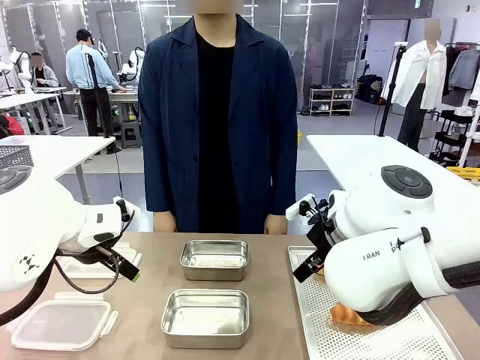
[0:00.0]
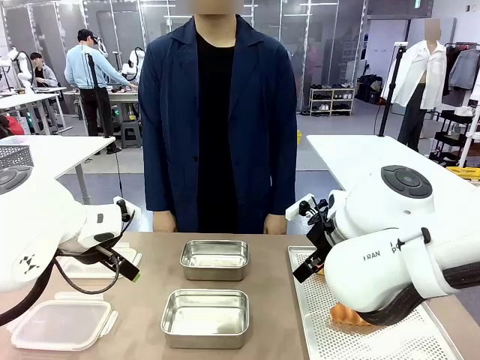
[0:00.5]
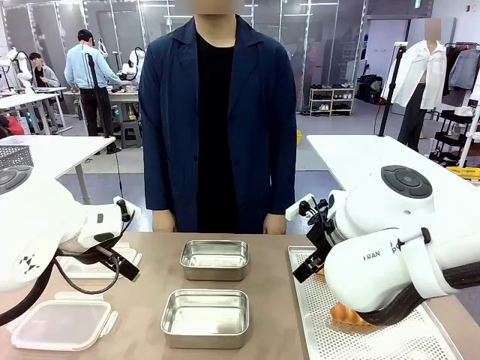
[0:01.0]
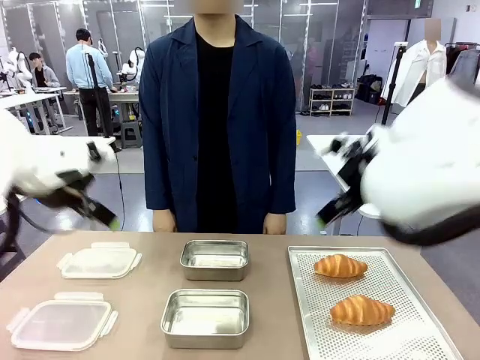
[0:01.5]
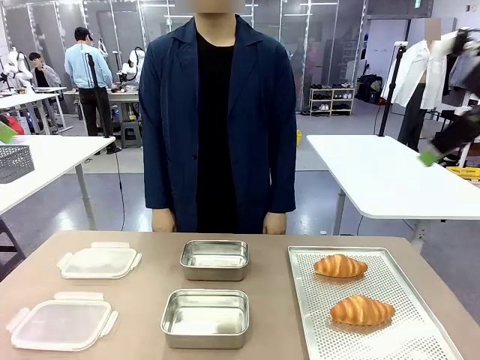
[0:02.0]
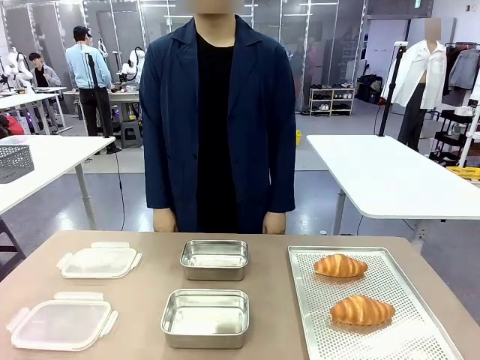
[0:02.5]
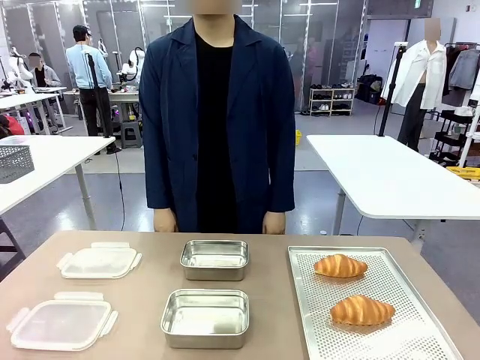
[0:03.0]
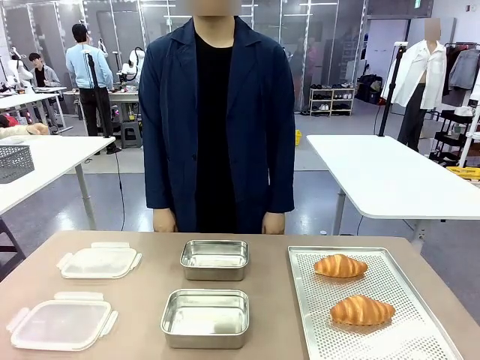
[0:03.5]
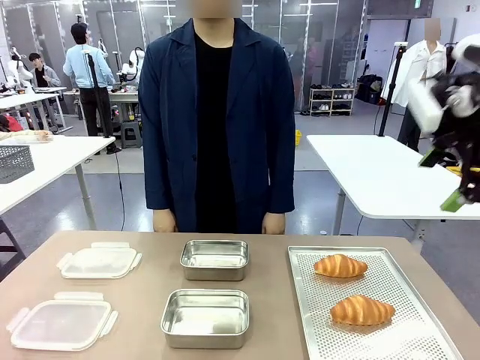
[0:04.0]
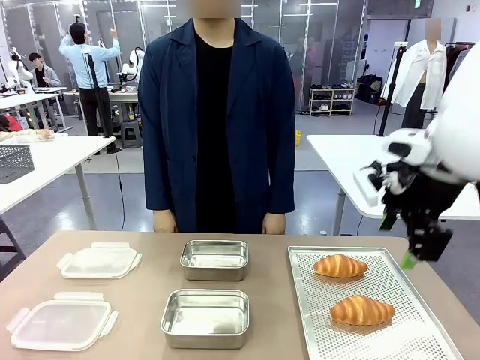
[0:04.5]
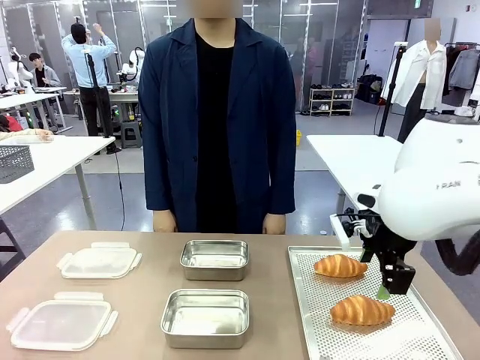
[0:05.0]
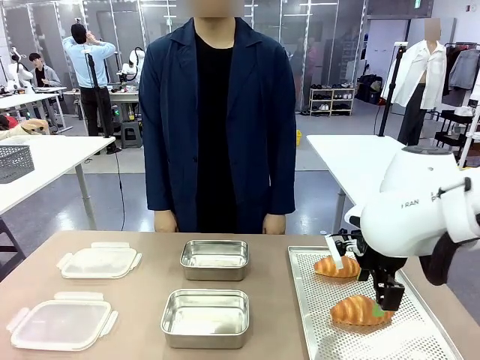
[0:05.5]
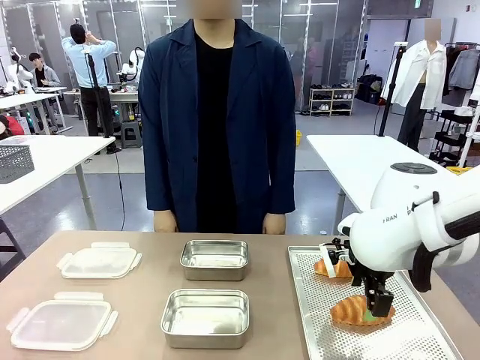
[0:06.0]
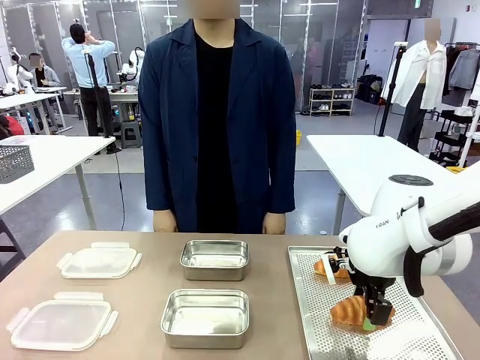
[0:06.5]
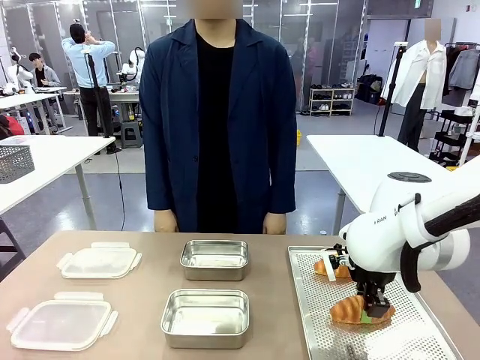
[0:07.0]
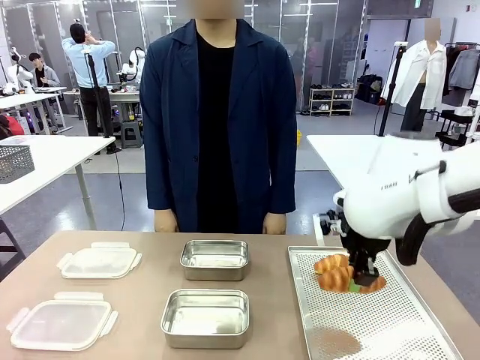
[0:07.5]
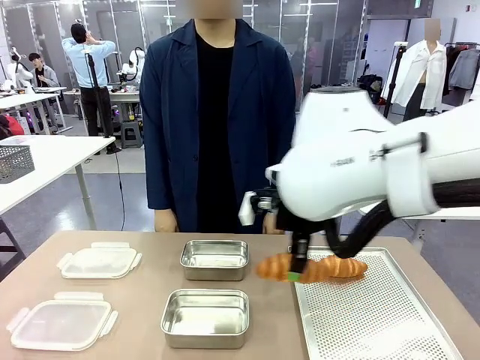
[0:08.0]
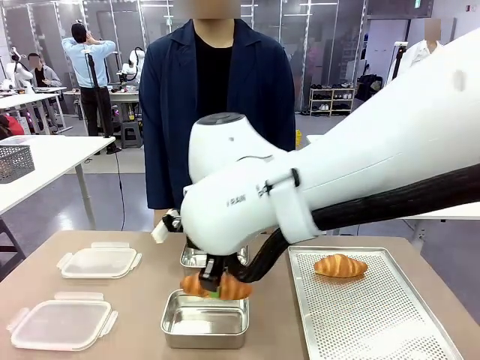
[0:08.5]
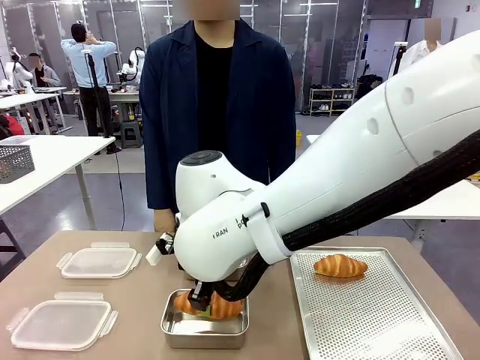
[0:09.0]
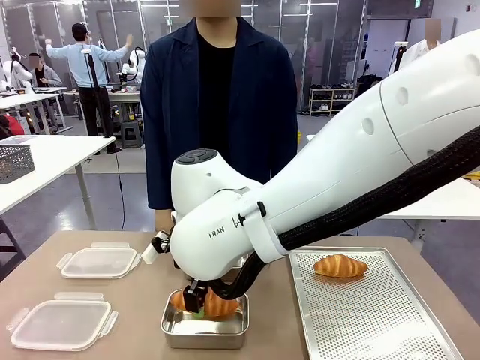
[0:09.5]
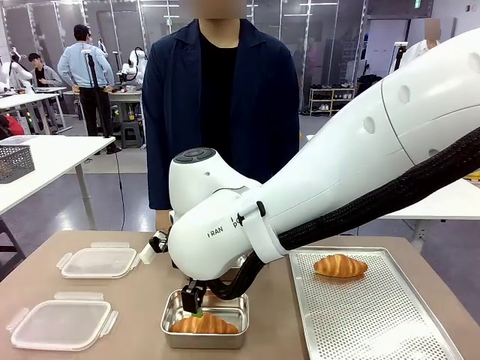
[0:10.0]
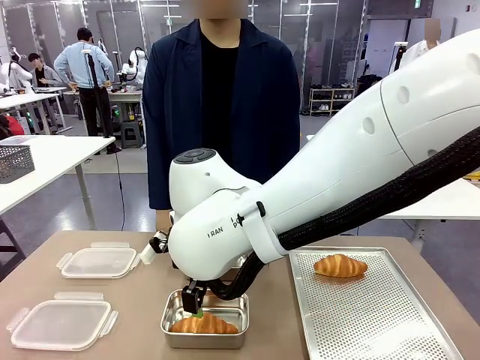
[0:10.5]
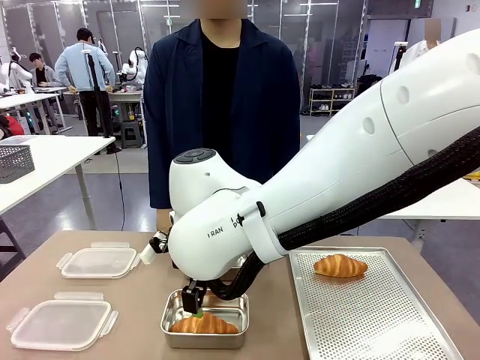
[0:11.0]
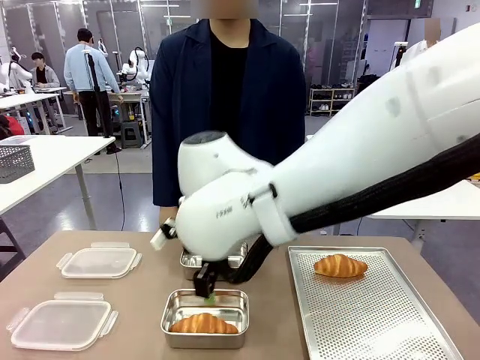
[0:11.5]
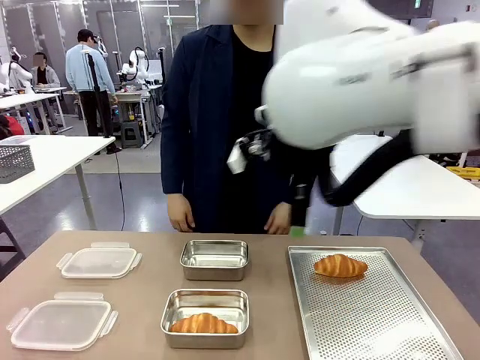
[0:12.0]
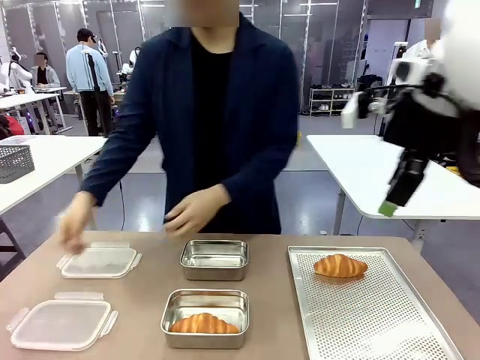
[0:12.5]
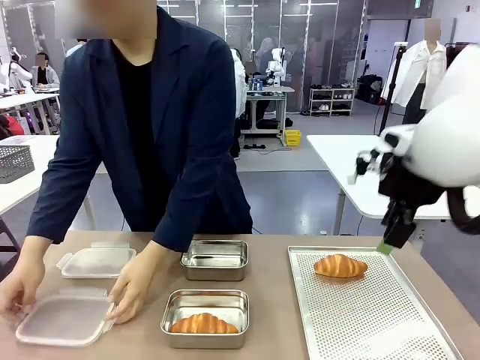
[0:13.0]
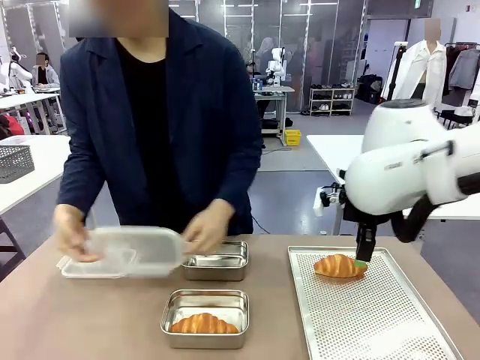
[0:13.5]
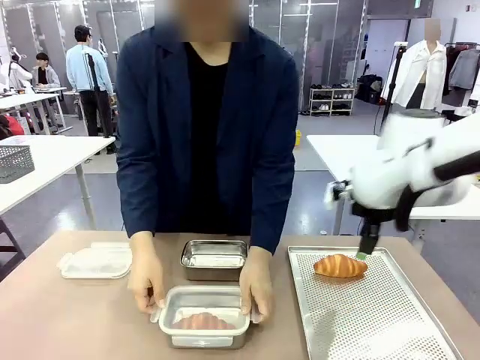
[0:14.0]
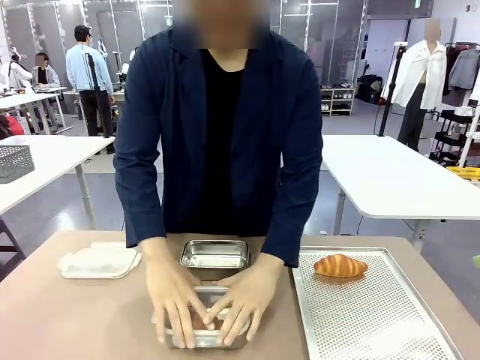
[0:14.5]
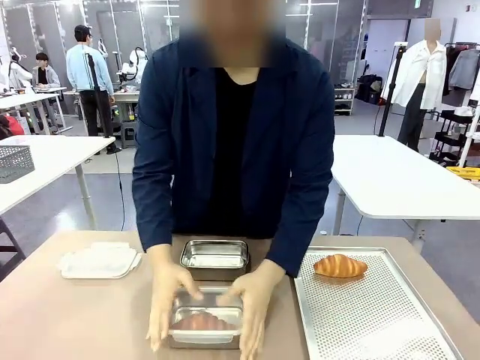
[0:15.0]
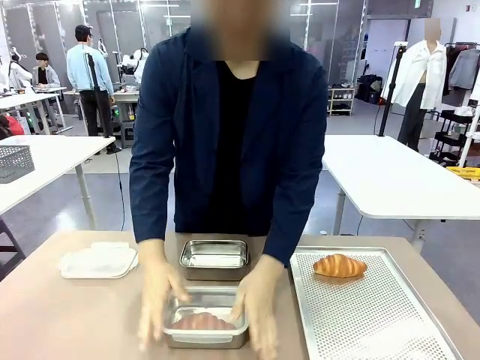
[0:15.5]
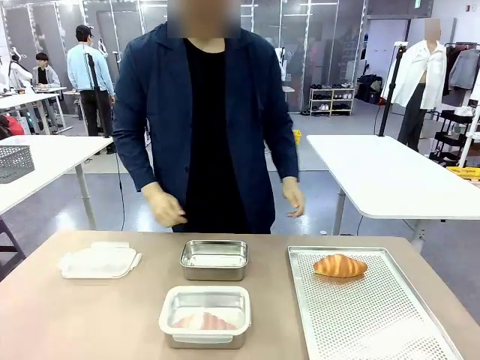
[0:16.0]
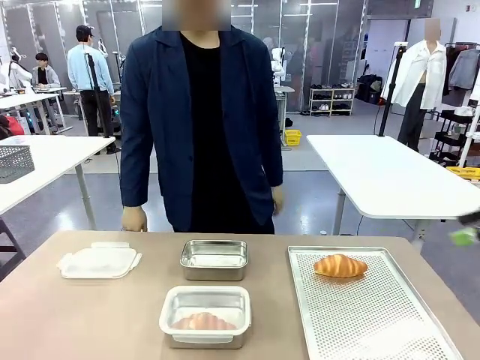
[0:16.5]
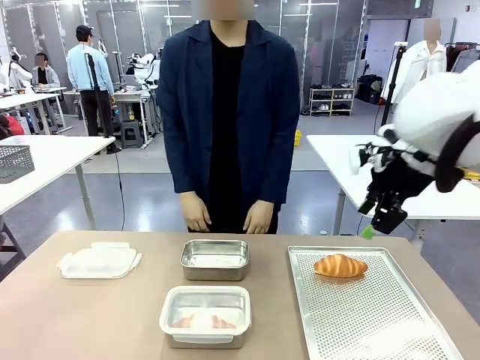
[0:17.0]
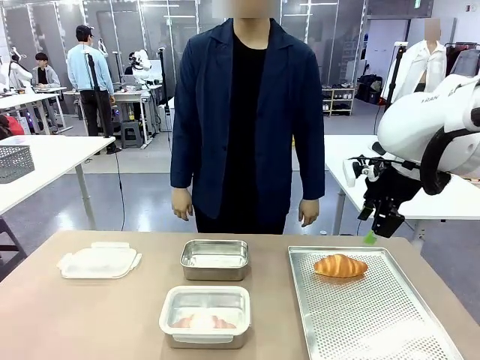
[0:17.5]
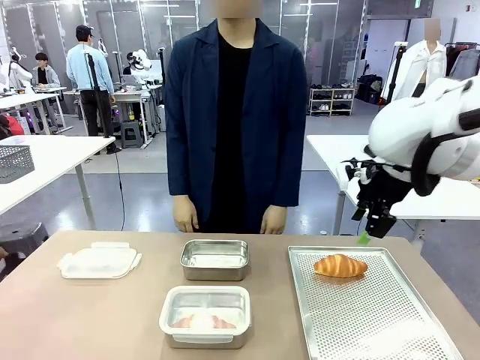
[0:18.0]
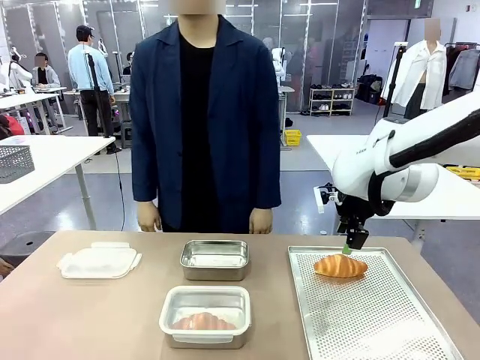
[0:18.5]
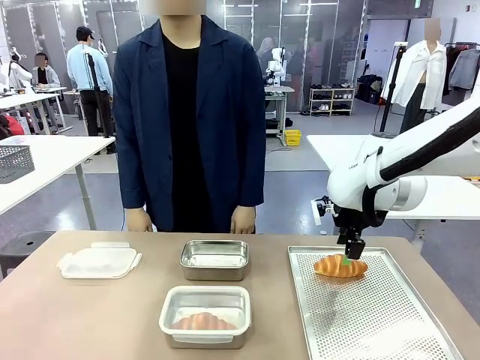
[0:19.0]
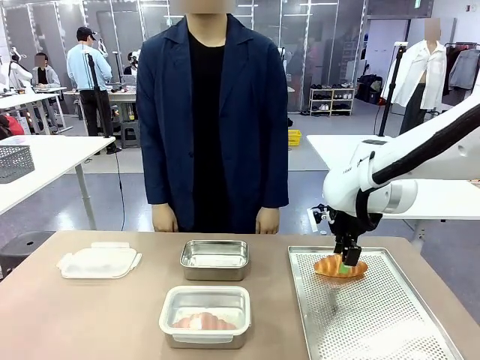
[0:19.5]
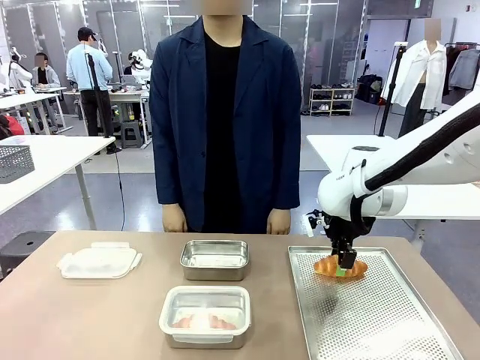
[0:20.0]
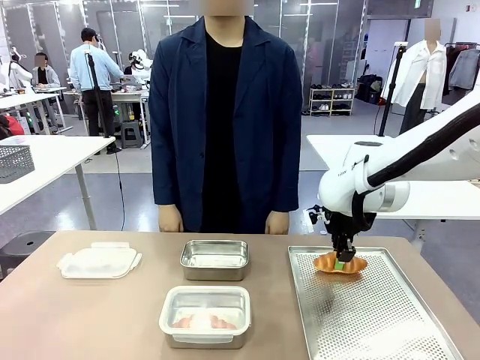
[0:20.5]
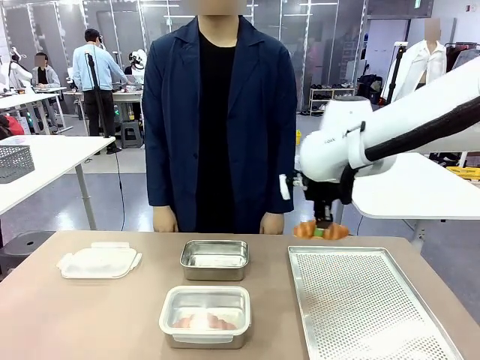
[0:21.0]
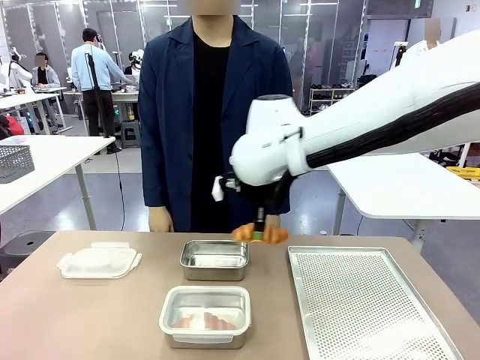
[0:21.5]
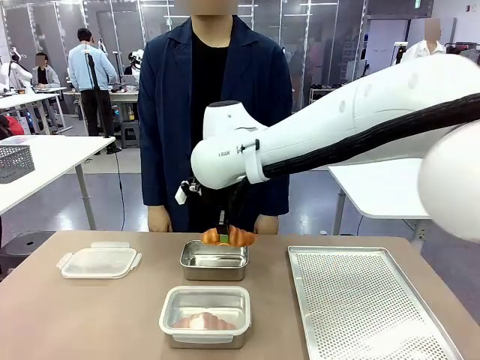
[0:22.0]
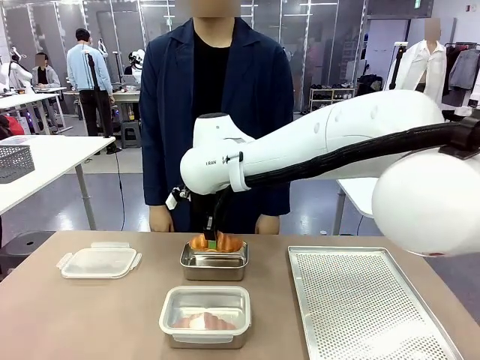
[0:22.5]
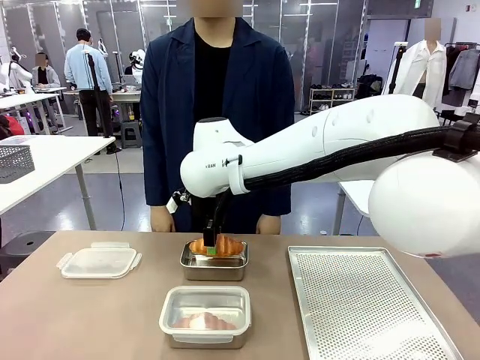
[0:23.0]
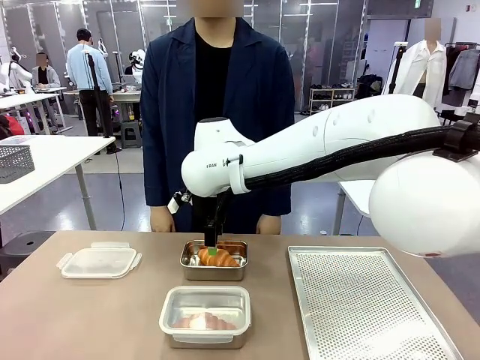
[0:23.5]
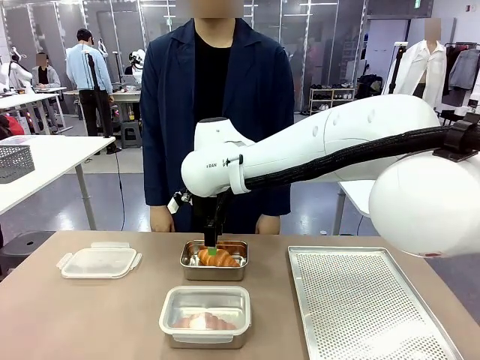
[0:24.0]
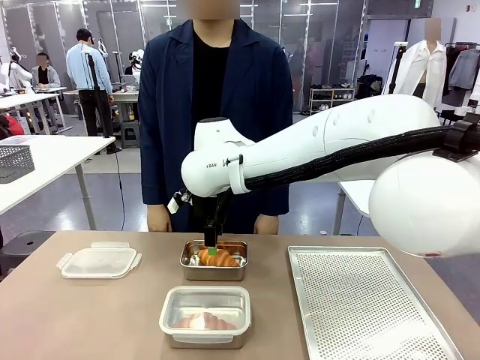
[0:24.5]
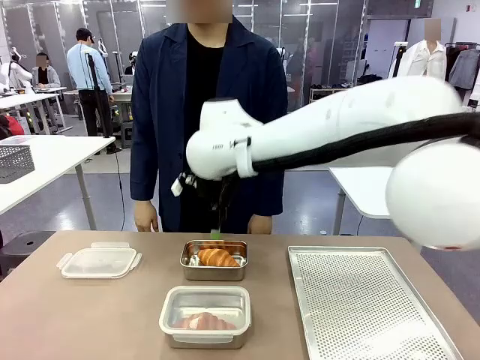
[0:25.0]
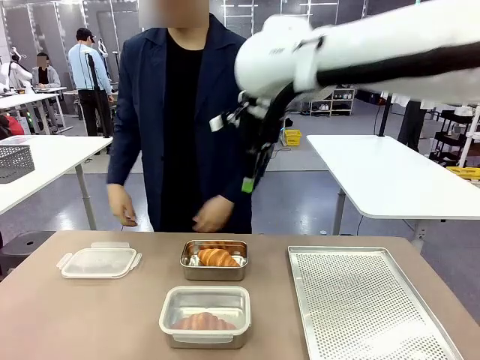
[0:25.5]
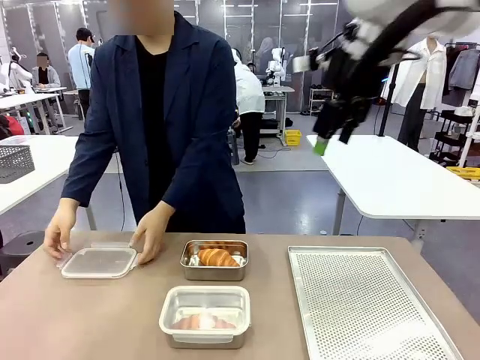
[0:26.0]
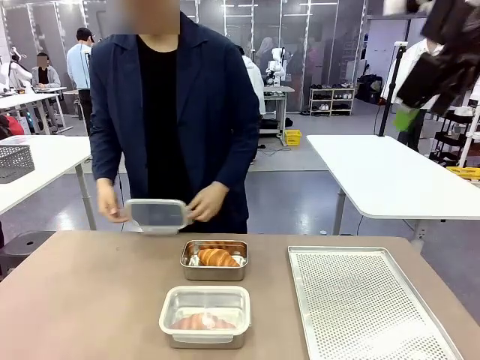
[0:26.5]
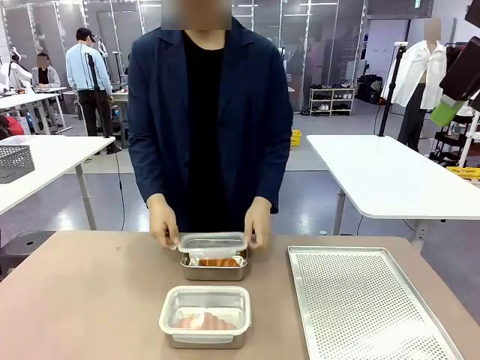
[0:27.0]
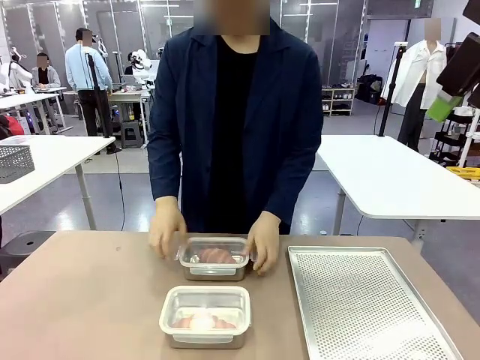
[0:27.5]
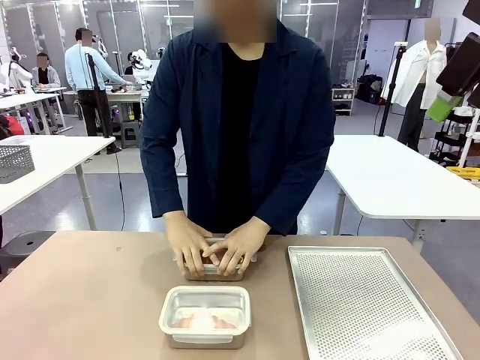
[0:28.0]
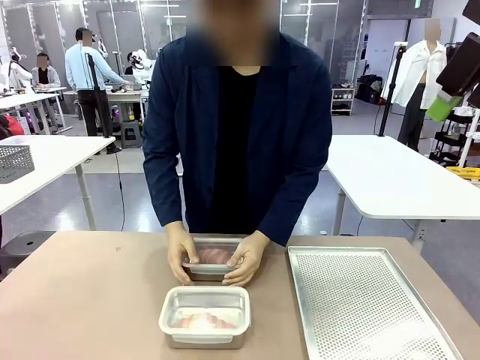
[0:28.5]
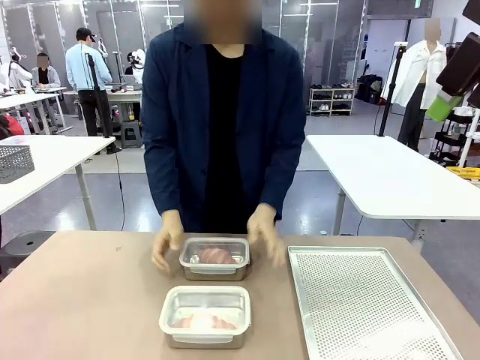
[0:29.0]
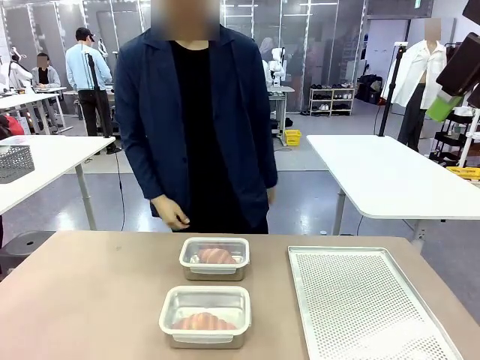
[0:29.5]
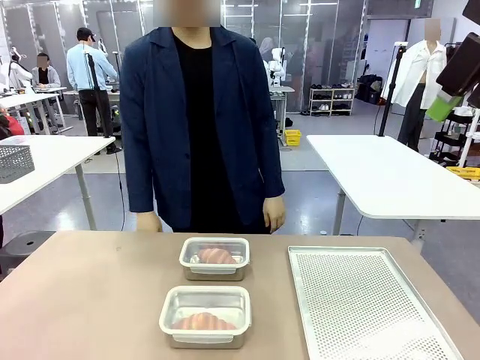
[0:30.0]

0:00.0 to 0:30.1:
Task: Place the bread into the airtight container.
Robot: Pick up a Butter Roll and place it into an empty Airtight Container.
Person: Once a Butter Roll is inside an Airtight Container , close the lid of that Airtight Container.
